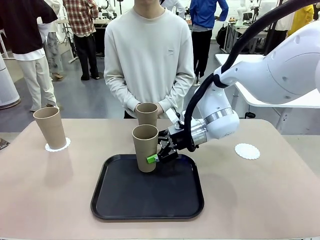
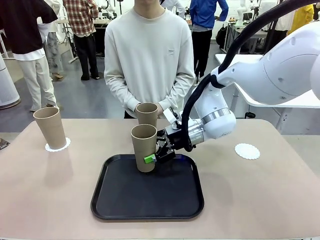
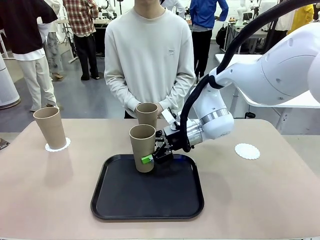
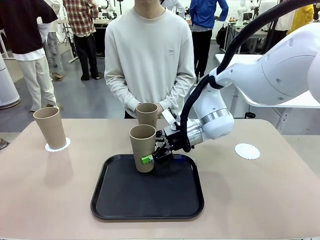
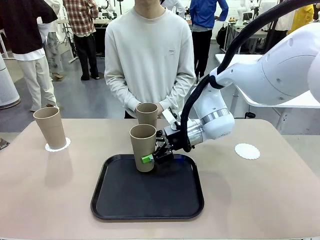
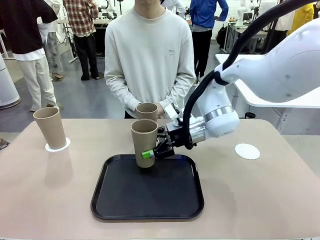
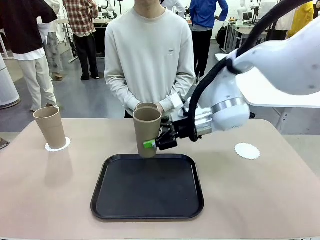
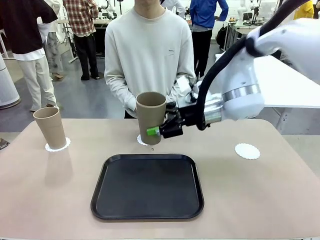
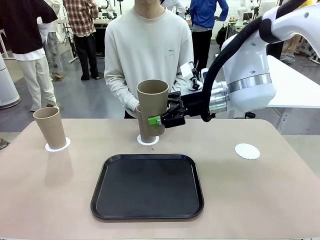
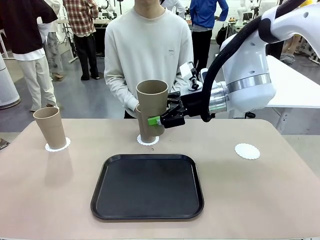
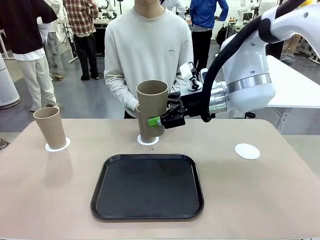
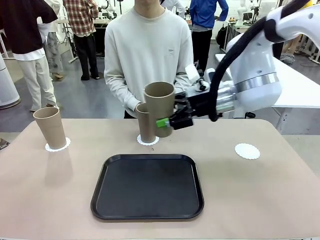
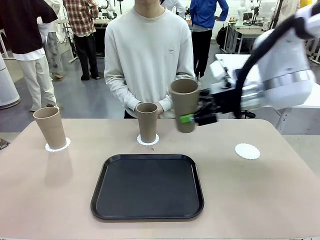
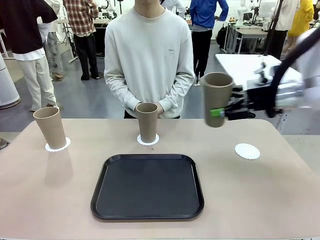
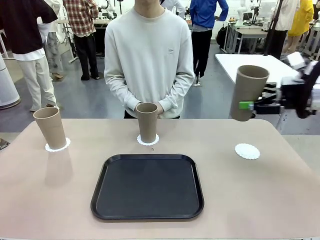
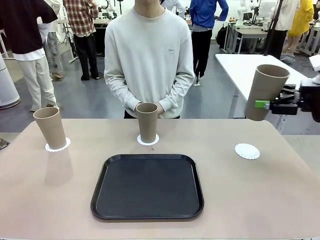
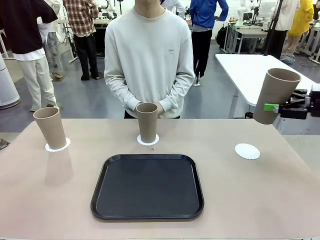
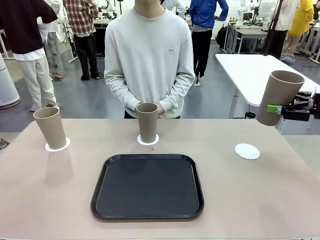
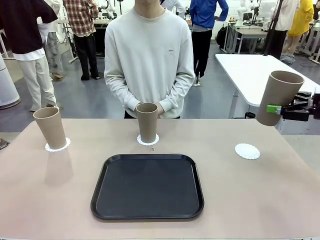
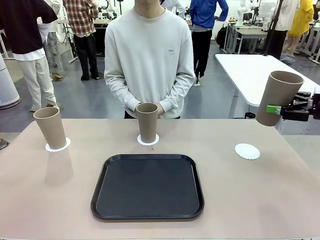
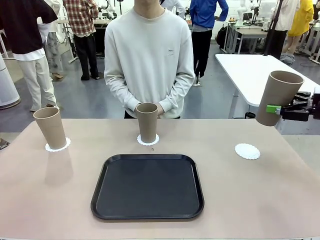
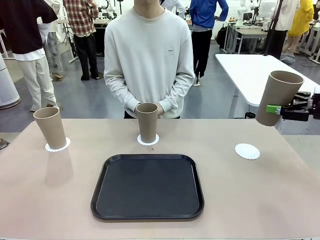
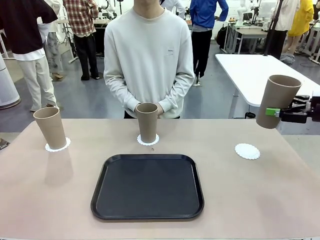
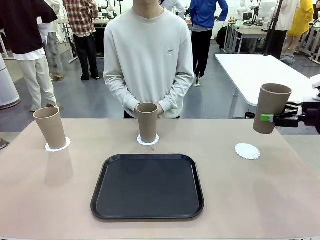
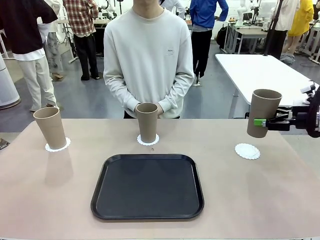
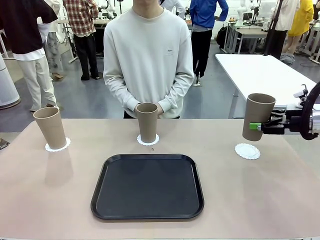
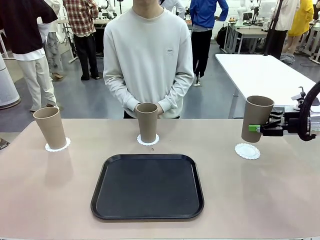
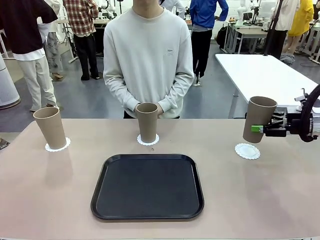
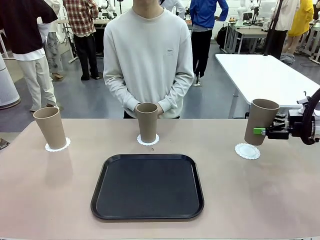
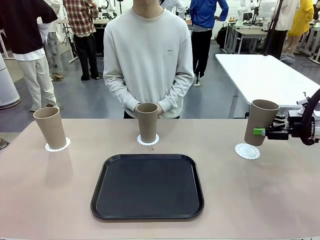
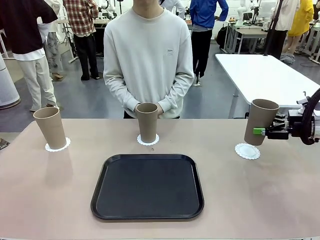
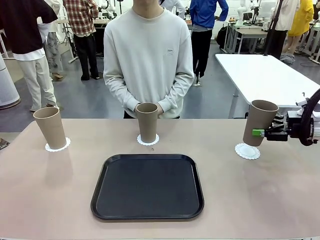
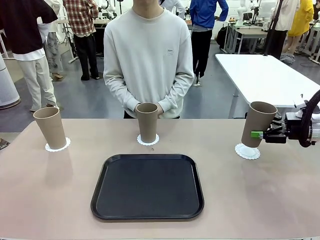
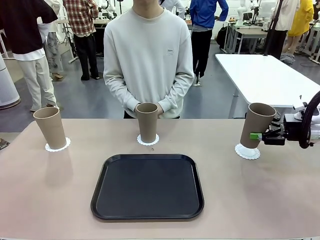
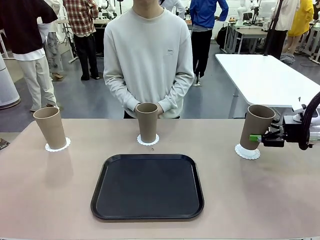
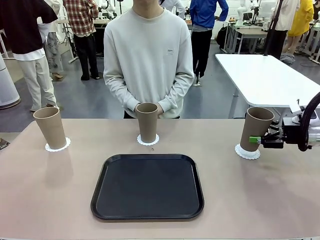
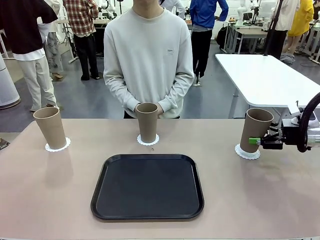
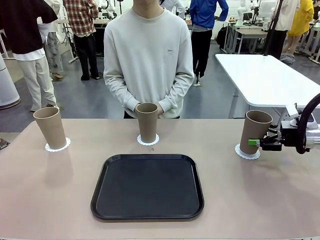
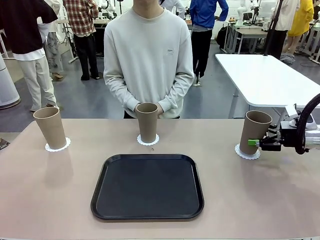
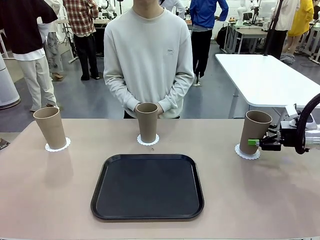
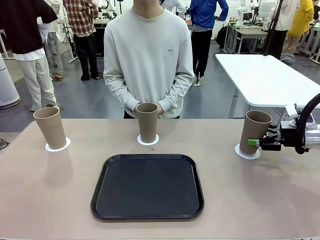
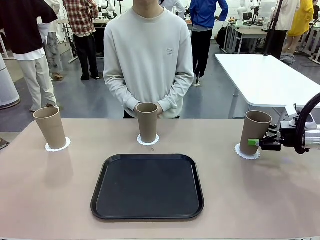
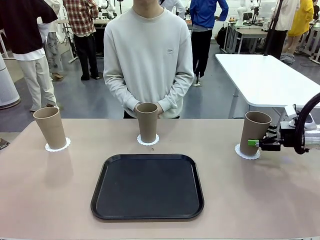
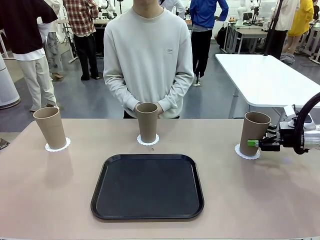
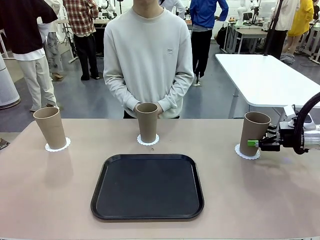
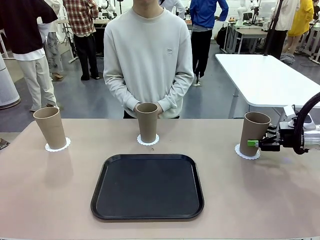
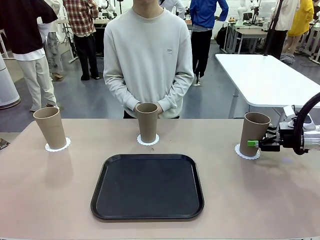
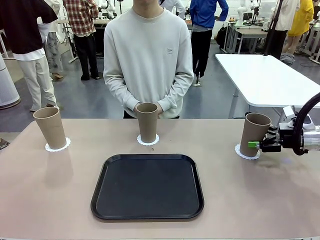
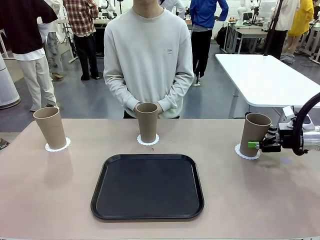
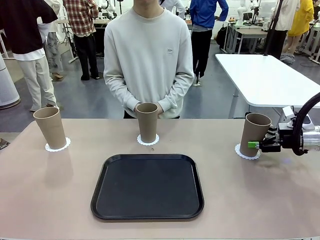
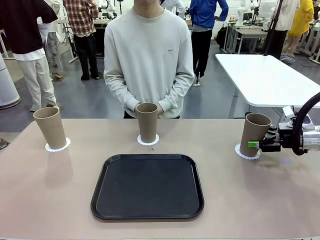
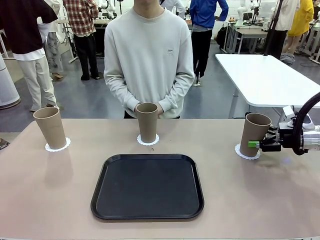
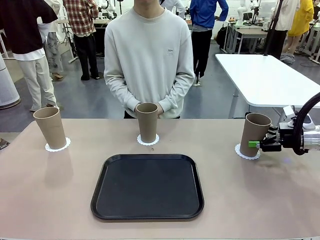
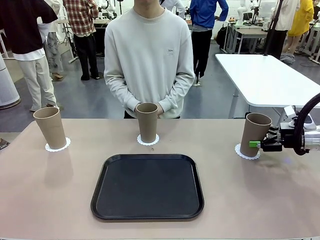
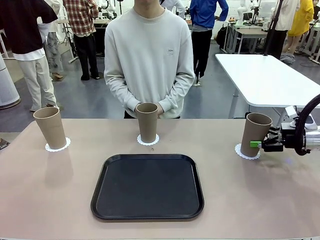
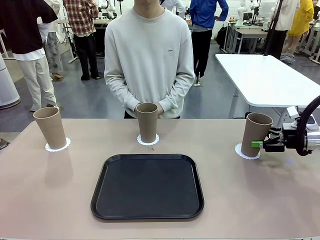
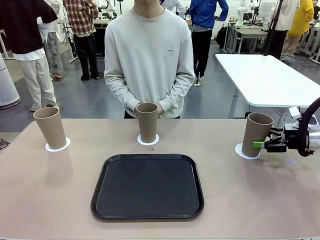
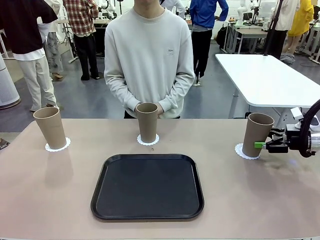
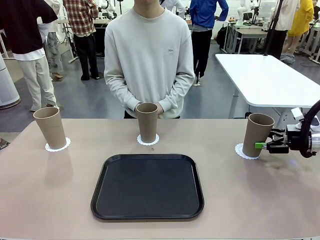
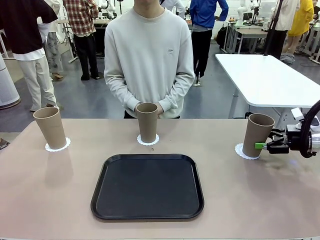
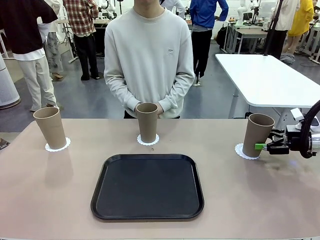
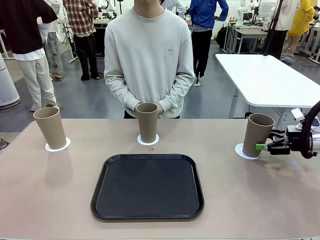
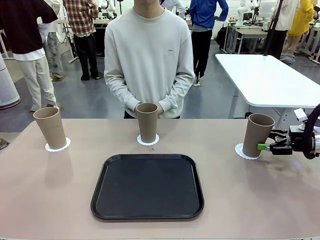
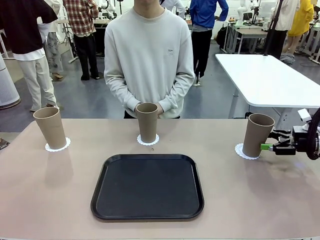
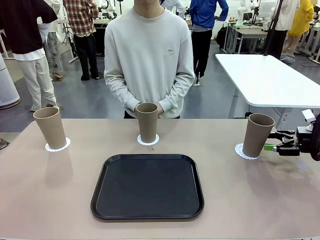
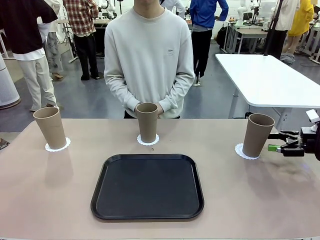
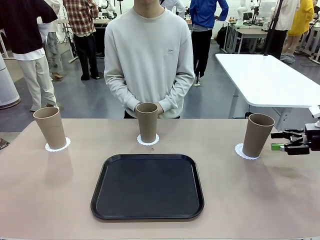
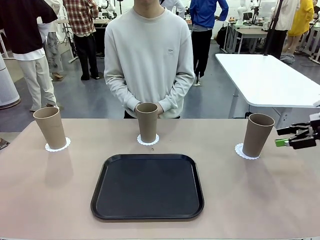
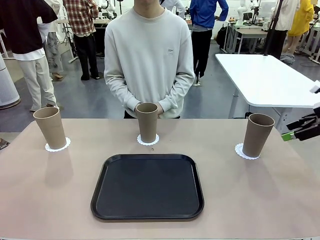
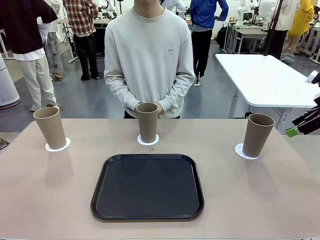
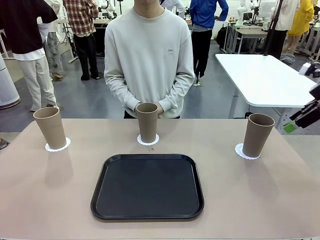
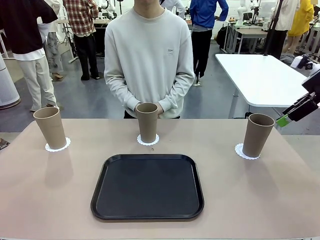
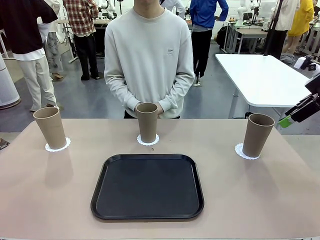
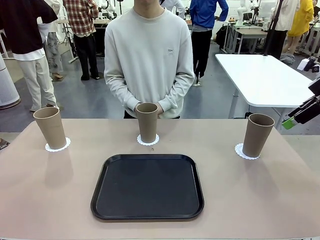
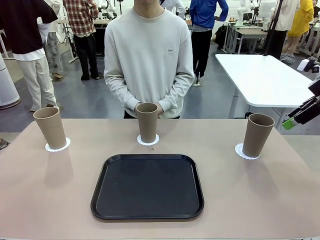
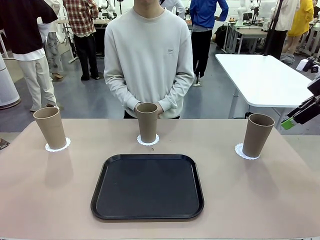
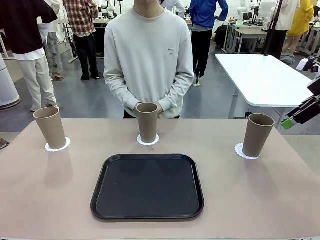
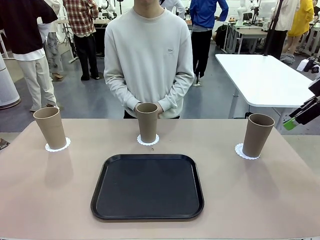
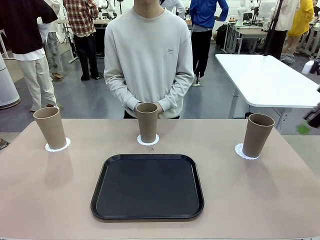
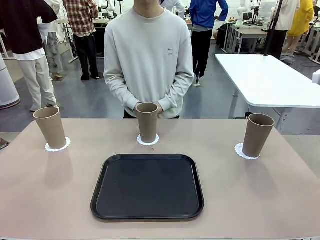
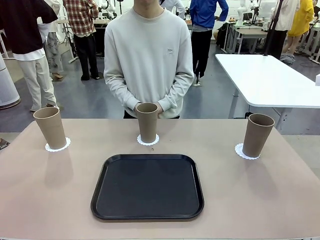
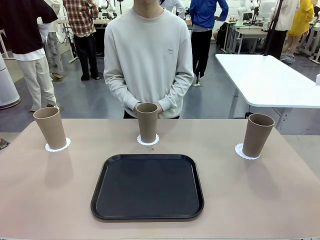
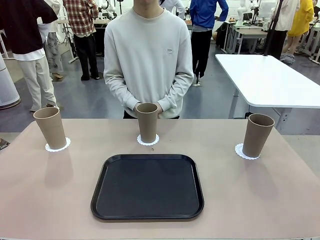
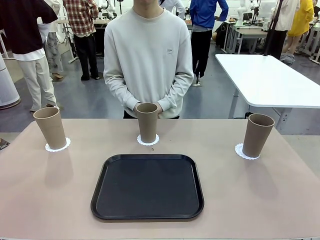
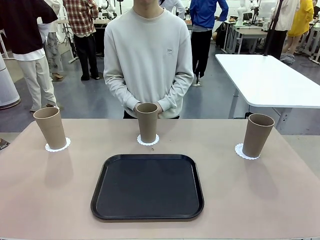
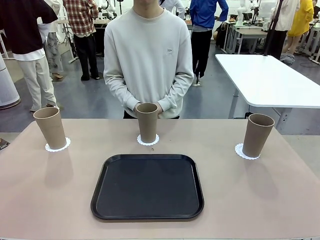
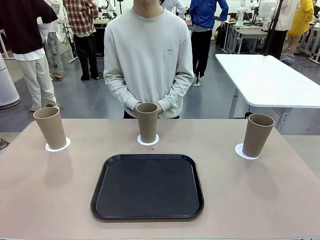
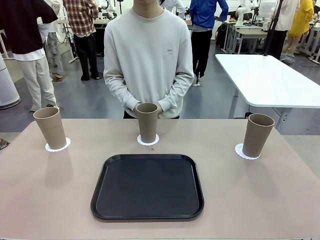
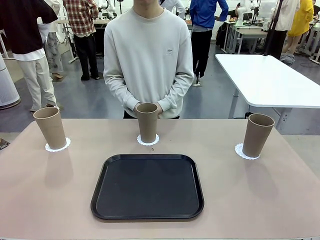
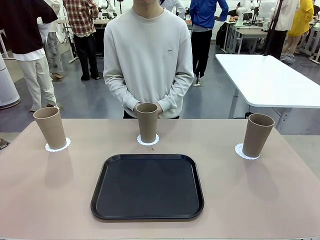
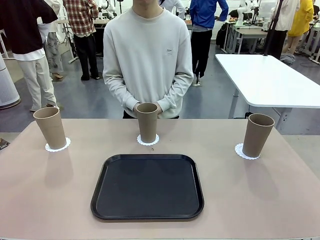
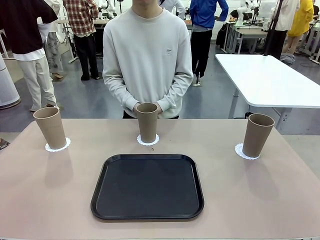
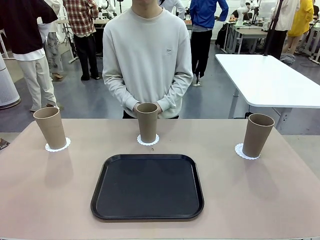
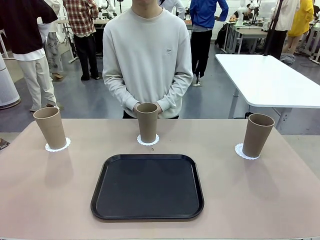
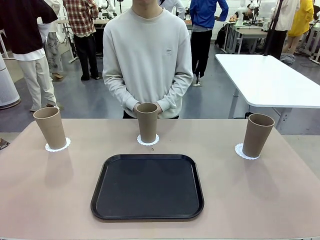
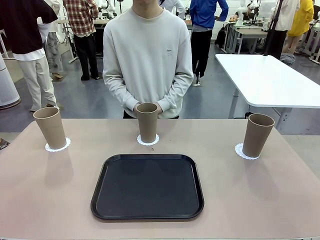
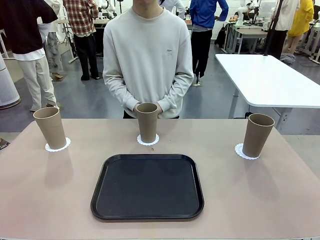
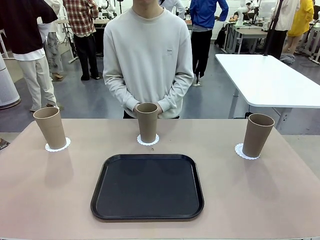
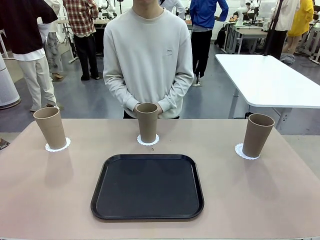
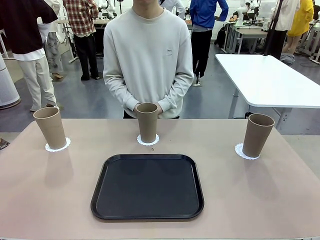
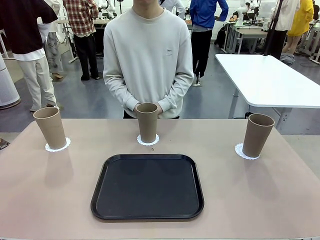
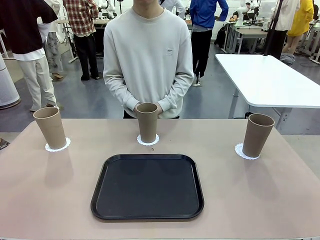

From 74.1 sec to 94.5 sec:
Task: Place coasters on the table and set cups on them.
Robot: Take one Reusable plastic cup from the Flat Tray and place it on a coaster set by the human.
